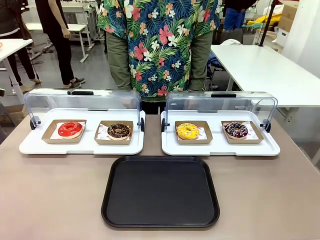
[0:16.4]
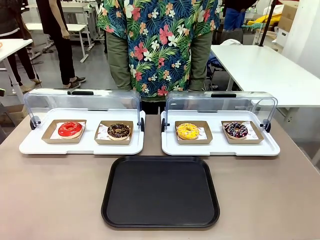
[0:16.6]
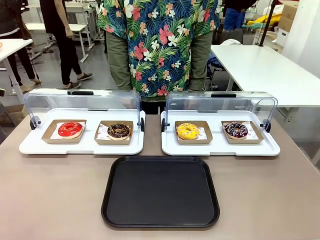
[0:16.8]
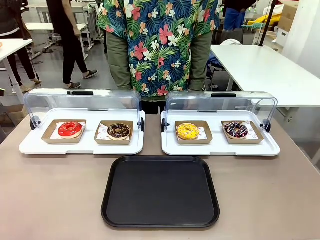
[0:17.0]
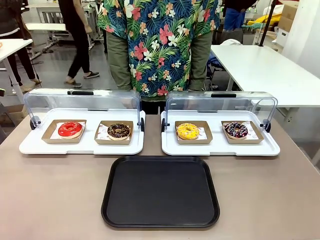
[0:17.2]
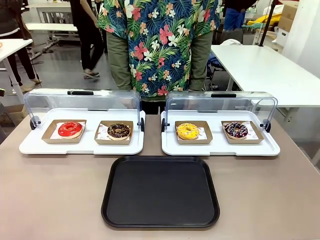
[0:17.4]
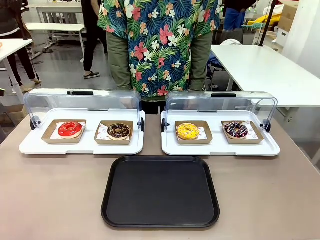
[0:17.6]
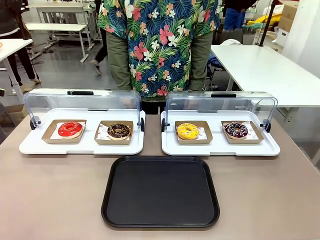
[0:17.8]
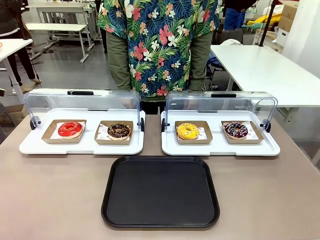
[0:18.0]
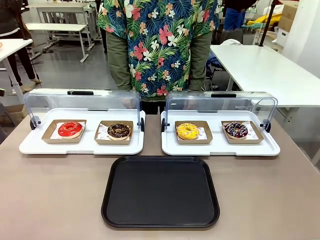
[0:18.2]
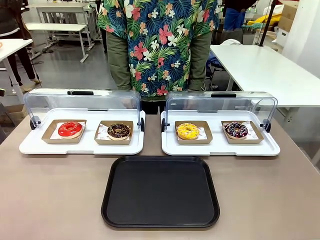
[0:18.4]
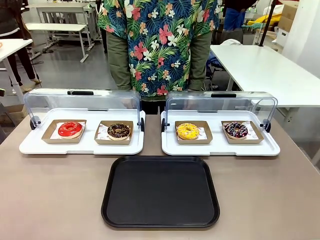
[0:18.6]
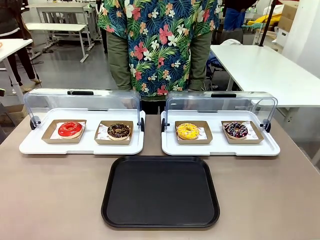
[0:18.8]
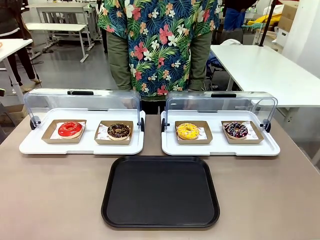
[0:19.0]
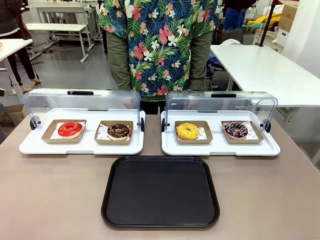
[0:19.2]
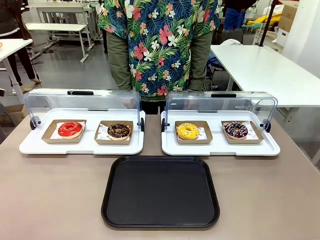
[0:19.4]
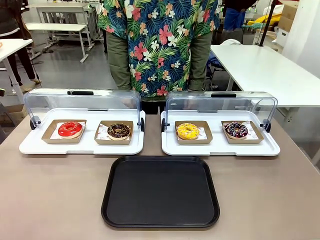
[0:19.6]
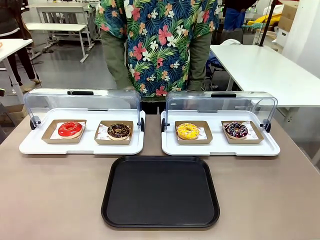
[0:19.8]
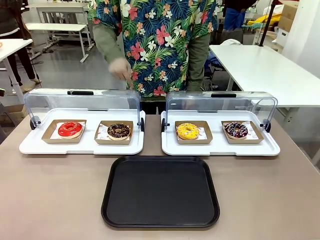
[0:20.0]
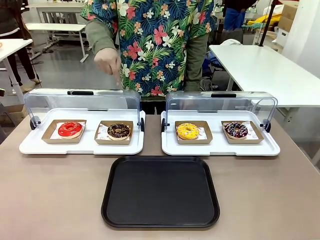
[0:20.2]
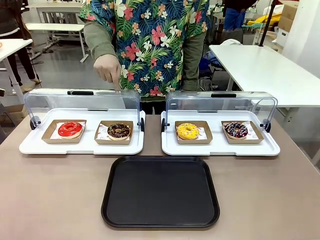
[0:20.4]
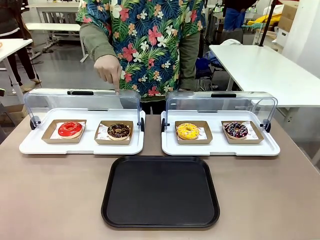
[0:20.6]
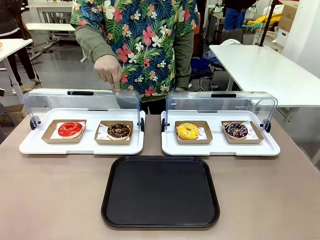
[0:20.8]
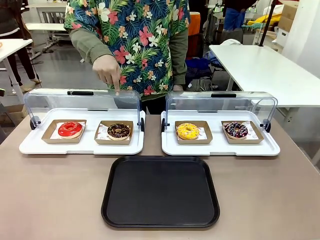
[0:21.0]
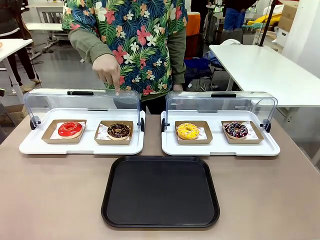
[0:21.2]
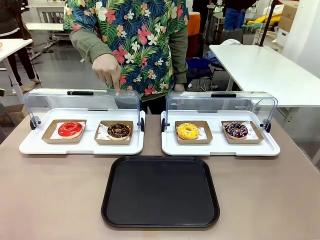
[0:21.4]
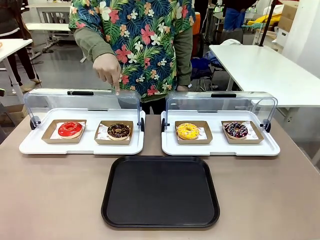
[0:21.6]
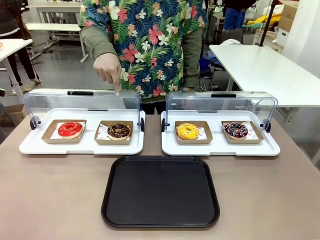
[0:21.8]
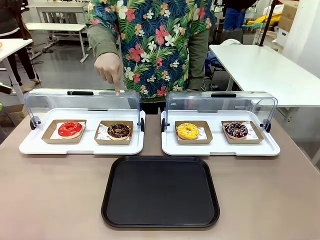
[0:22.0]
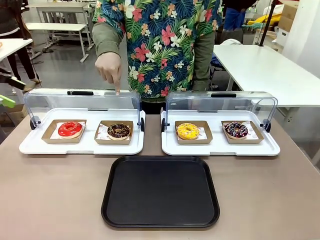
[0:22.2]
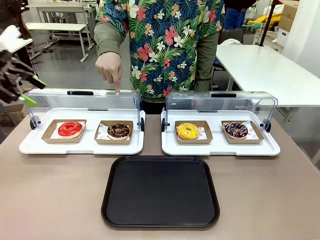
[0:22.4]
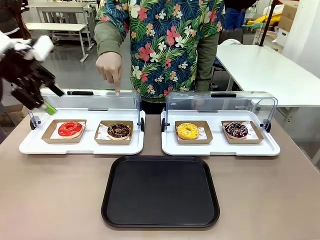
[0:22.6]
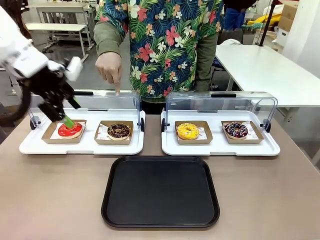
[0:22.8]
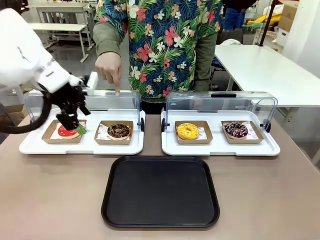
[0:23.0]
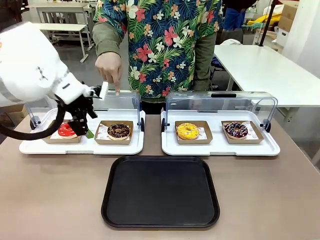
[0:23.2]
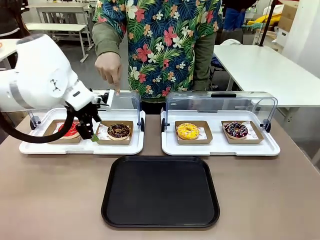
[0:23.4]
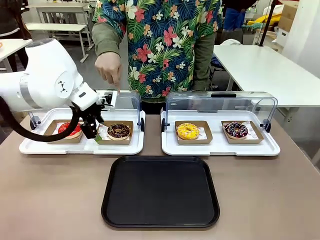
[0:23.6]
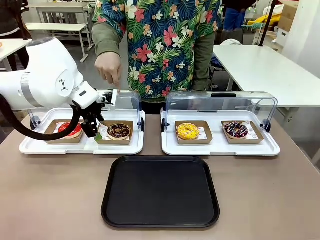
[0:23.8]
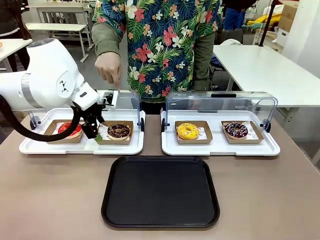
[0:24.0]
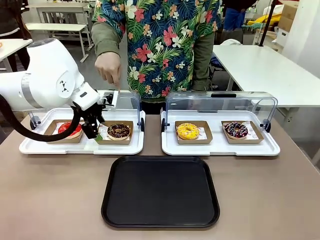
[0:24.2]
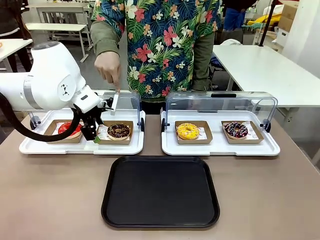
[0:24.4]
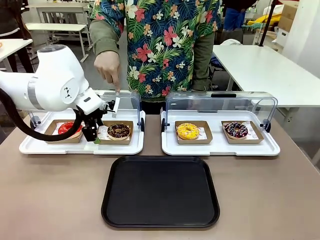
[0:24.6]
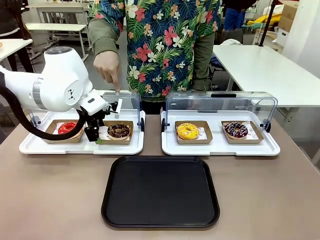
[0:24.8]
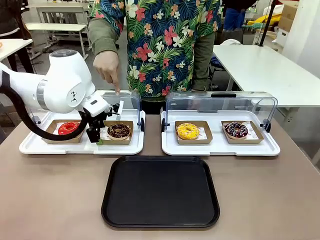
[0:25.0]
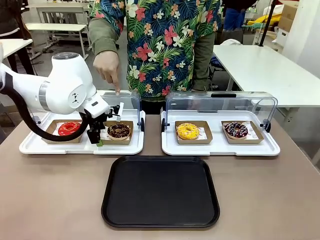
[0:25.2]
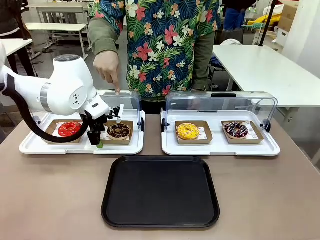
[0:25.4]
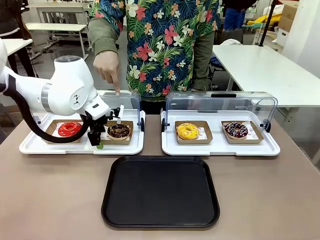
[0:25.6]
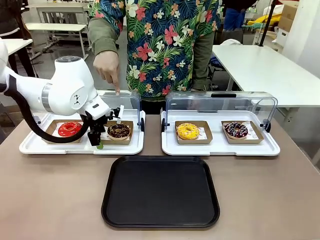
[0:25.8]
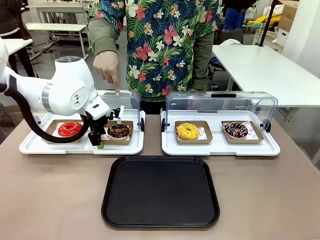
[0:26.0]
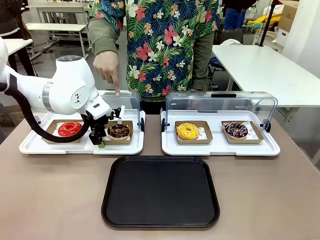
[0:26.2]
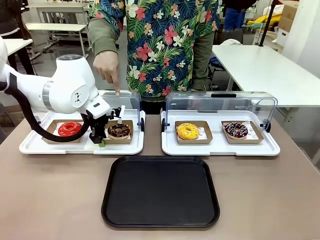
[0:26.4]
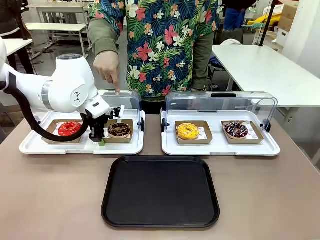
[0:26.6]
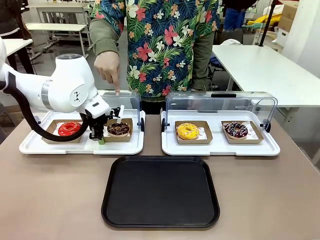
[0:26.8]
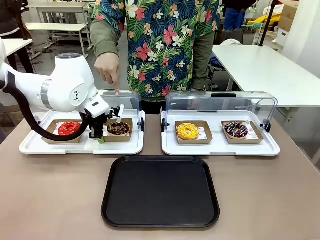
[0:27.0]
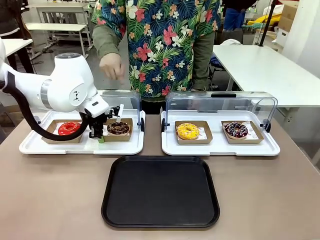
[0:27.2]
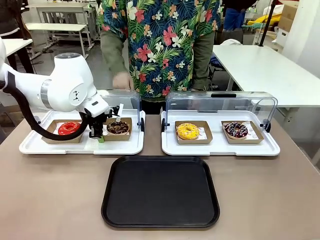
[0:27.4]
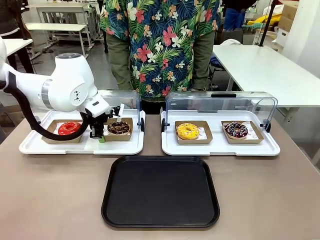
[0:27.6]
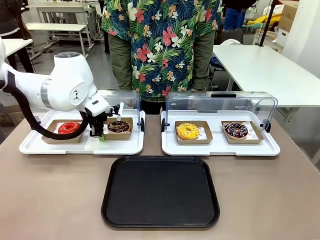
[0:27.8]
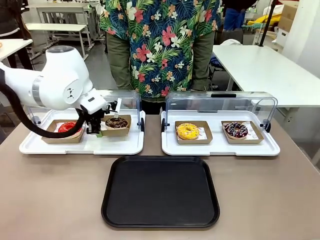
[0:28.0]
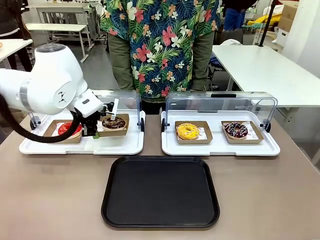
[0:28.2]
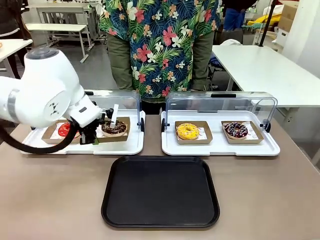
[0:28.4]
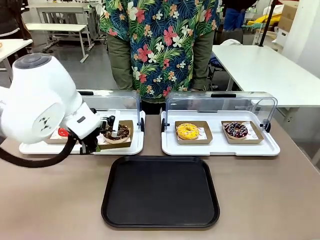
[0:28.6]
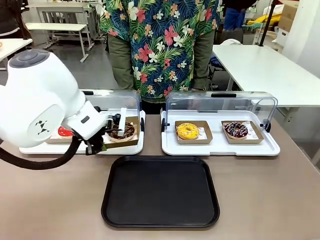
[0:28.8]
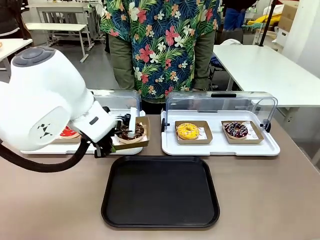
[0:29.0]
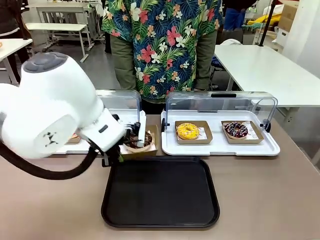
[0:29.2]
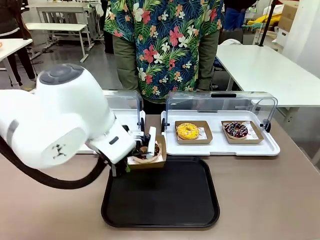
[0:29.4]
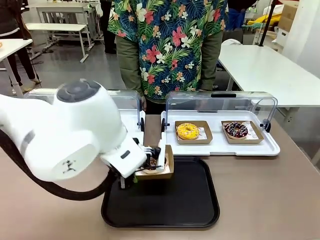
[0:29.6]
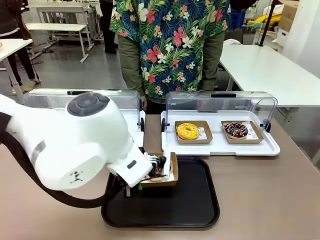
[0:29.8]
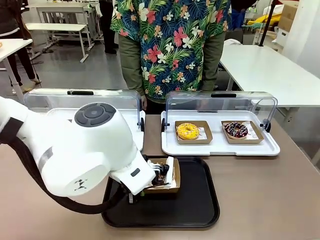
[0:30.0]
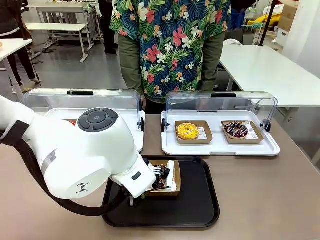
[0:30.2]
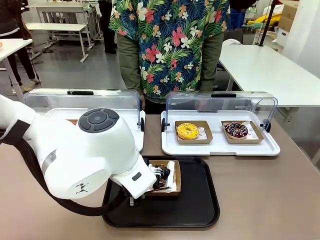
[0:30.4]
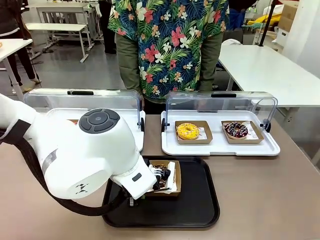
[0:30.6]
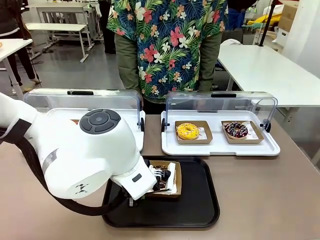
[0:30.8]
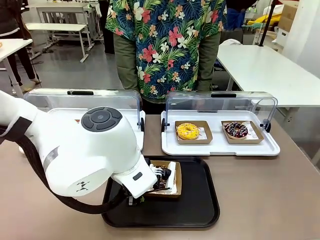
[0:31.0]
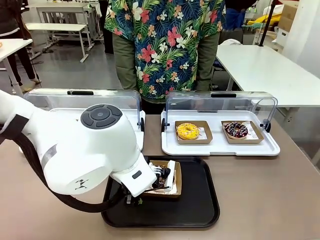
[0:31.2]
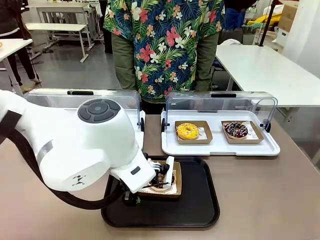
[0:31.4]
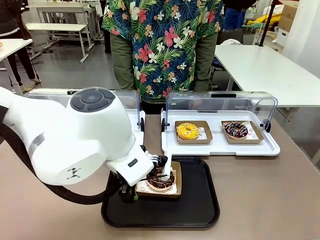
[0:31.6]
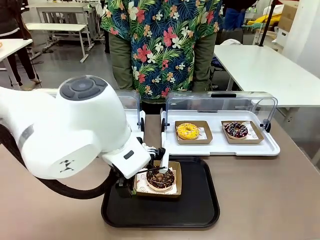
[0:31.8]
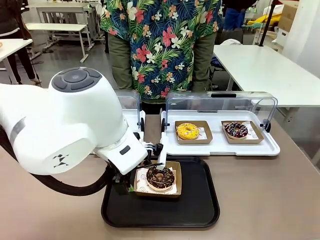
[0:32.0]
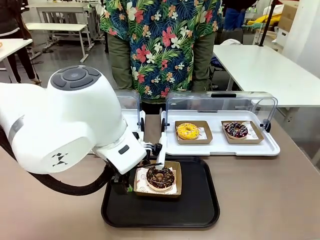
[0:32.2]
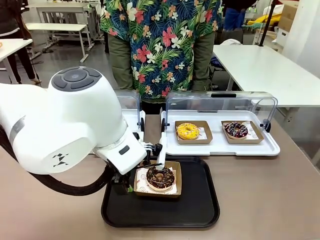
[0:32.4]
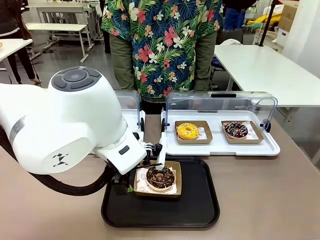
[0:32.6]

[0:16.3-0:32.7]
Task: Move the second donut from the left to the tray.
Robot: Pick up the Paper togo box containing the Donut indicated by the person and place it on the Handle tray.
Person: Points to the second donut from the left from the robot’s perspective.
